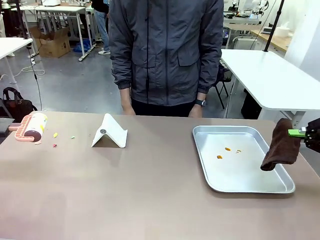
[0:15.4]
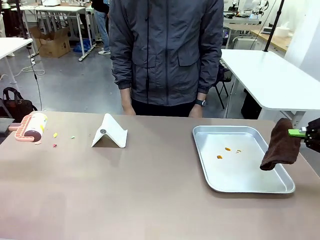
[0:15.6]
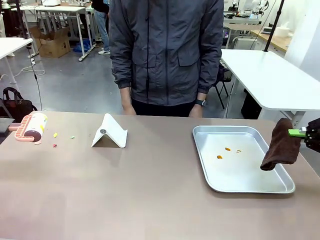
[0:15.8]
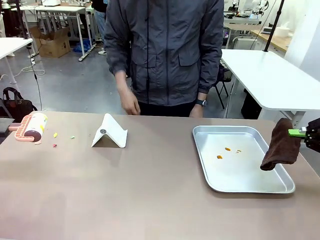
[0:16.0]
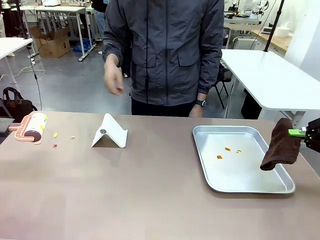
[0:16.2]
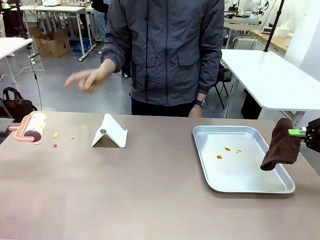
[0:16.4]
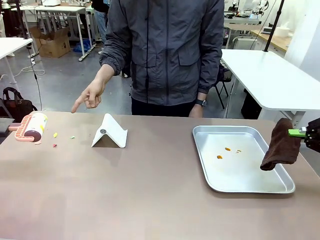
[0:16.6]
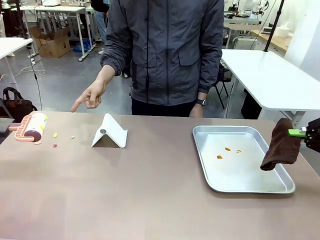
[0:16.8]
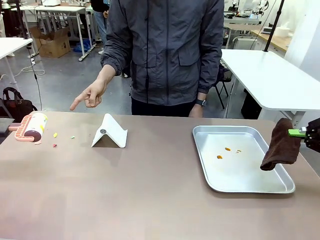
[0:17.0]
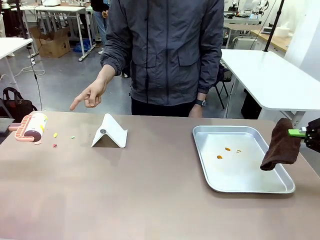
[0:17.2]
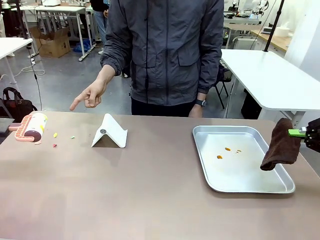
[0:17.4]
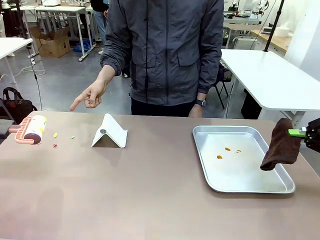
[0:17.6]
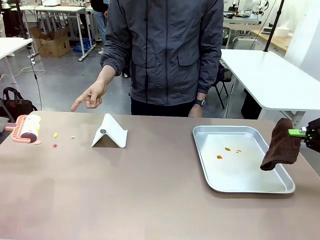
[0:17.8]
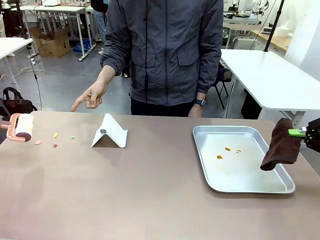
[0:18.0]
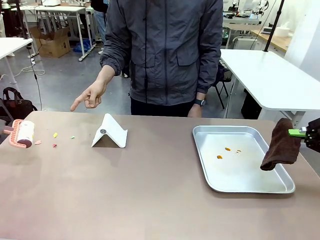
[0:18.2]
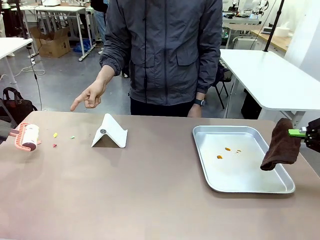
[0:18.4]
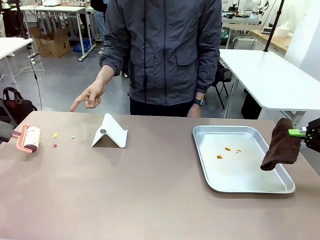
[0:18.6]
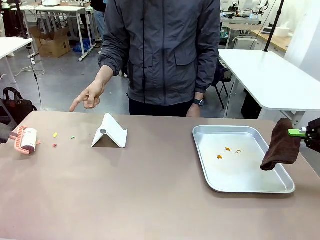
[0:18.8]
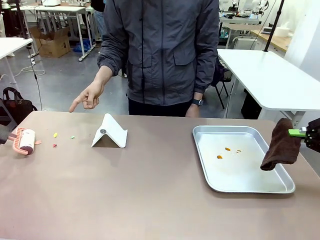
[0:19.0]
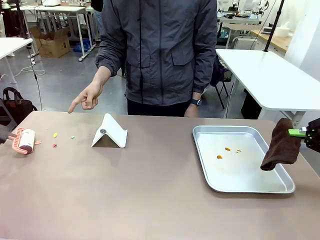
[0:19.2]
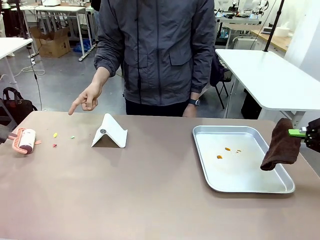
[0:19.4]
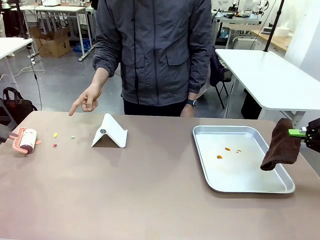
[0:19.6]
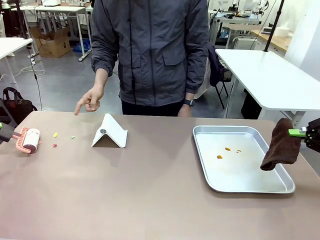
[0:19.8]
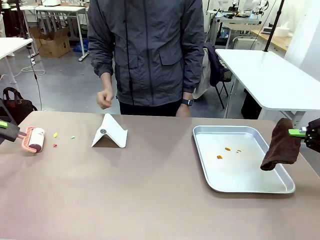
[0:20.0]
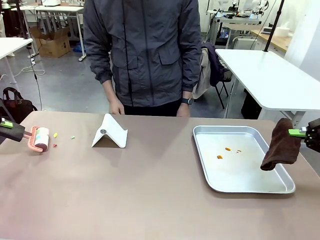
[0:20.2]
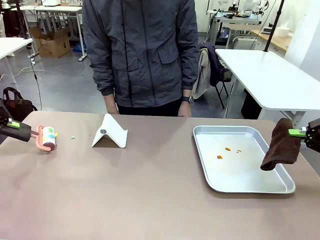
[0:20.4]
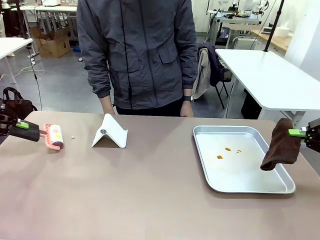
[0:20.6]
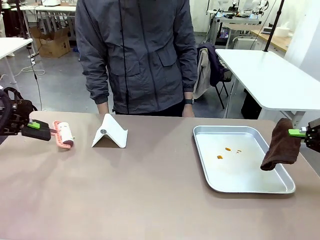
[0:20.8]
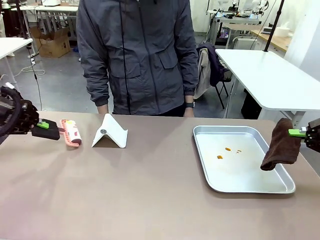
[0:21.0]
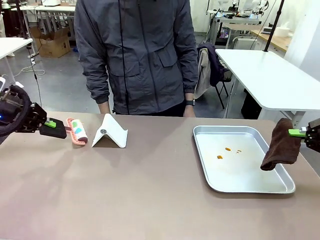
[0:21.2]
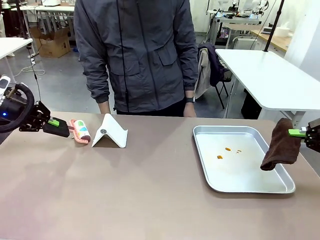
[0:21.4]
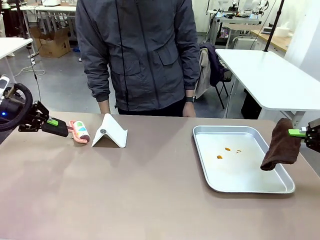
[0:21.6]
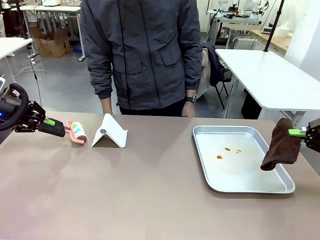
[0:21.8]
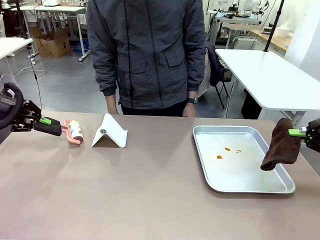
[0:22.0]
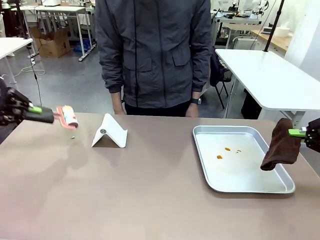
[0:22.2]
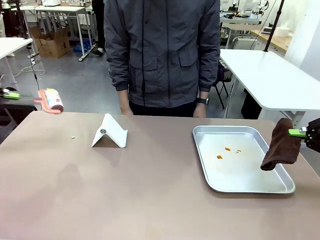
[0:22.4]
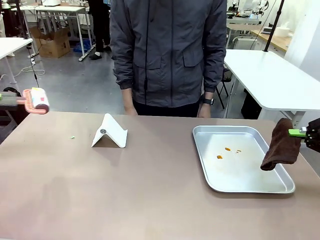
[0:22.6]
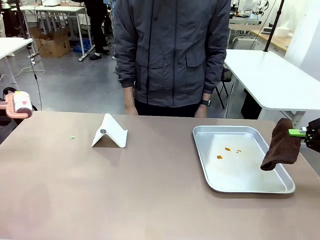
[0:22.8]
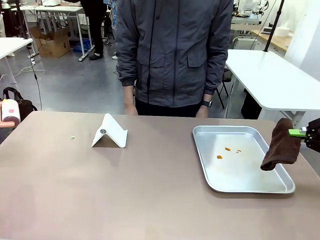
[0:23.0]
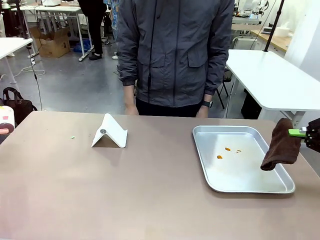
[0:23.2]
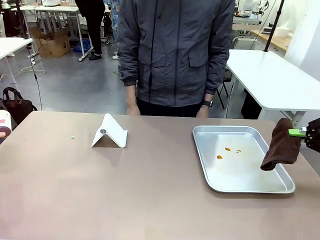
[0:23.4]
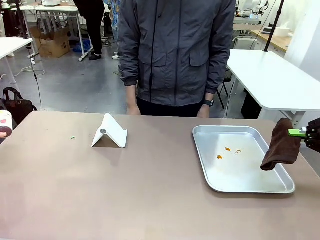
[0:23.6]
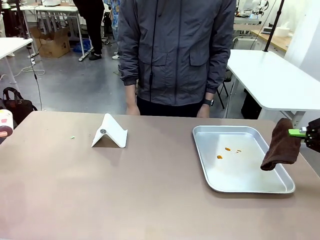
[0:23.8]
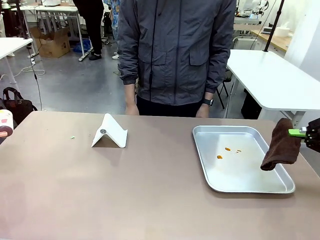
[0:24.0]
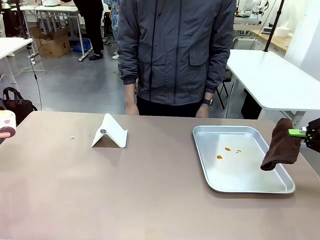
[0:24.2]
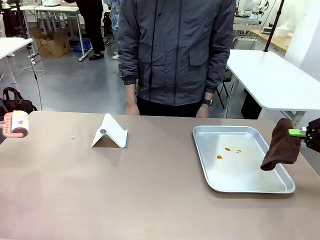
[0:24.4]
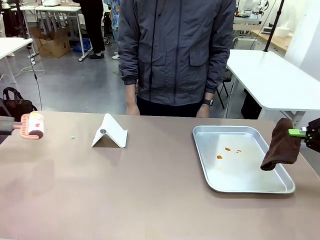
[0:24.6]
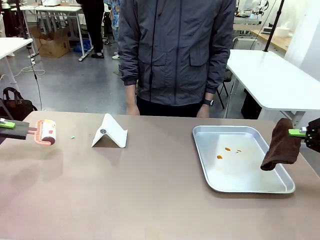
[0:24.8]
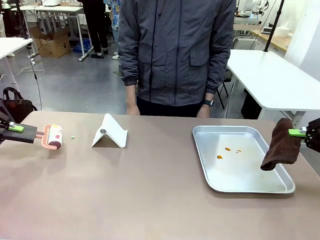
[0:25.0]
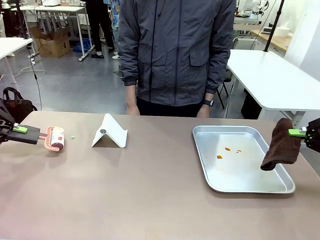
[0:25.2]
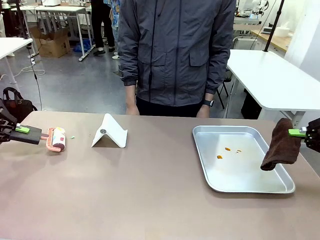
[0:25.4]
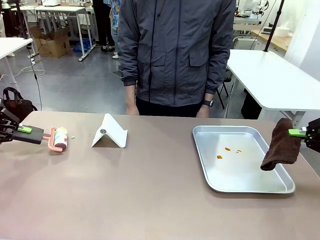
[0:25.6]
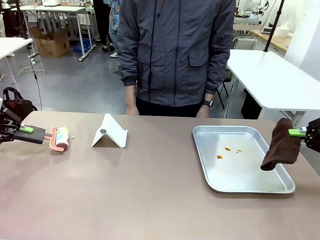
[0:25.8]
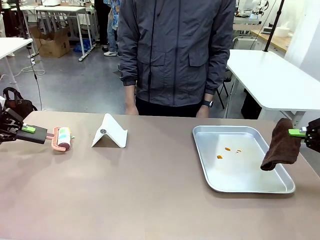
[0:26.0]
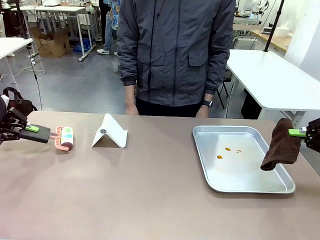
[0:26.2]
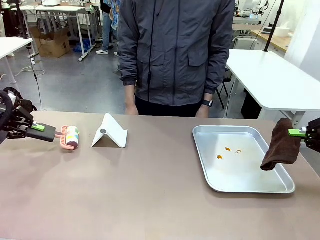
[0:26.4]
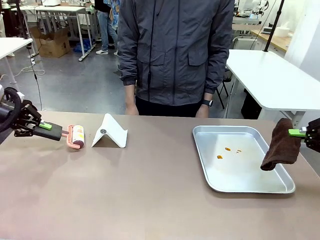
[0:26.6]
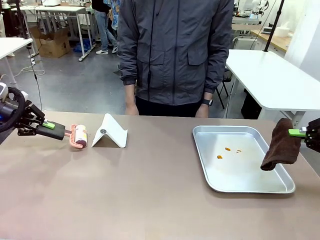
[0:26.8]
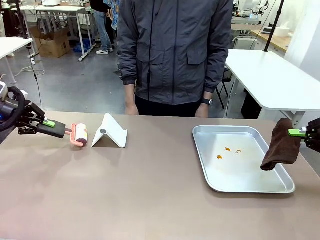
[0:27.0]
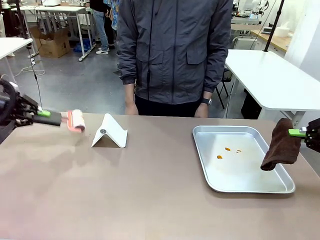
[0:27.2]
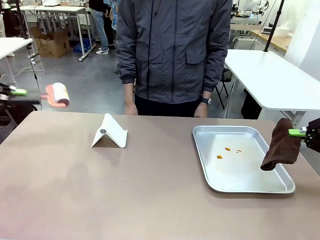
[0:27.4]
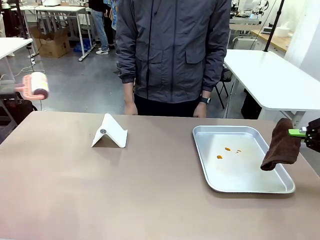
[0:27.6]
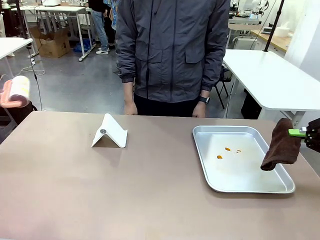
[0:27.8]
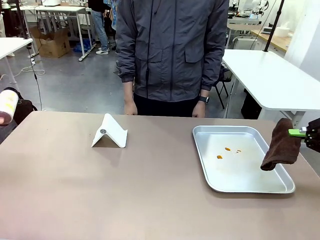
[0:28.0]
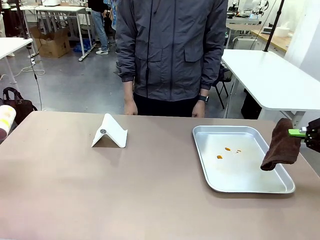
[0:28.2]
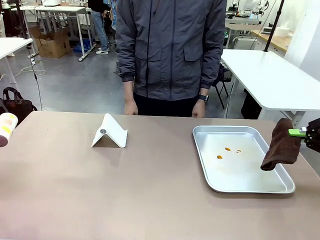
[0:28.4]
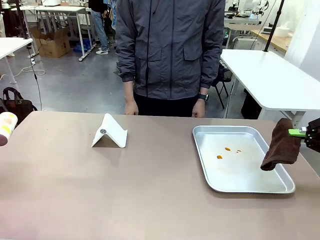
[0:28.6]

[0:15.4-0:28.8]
Task: Clean the surface of the table.
Robot: If a person points to the right, clean the right side of the table with your right hand, and if they point to the left, clean the left side with your left hand.

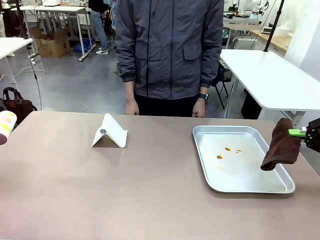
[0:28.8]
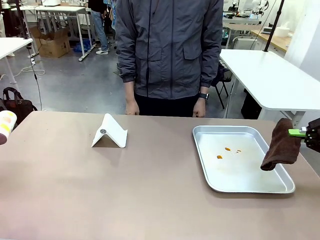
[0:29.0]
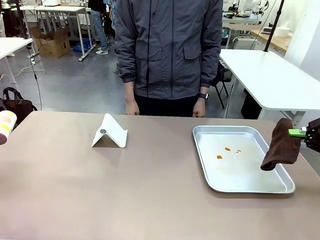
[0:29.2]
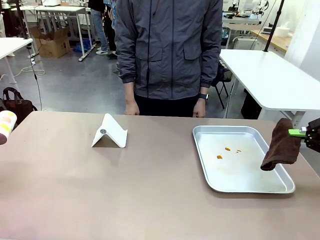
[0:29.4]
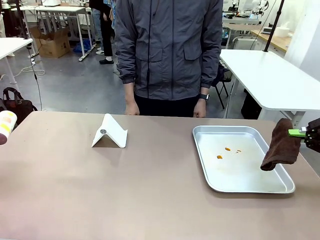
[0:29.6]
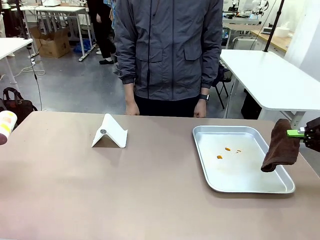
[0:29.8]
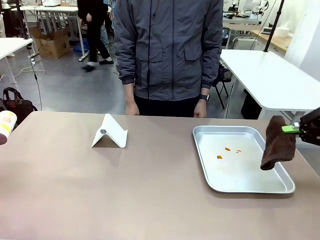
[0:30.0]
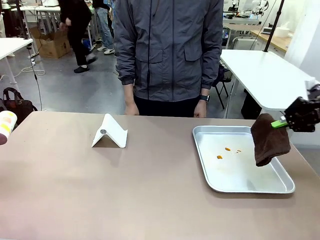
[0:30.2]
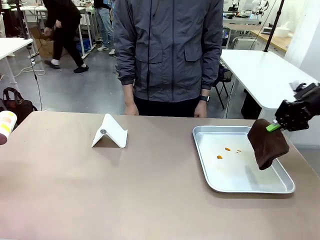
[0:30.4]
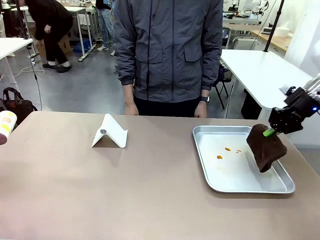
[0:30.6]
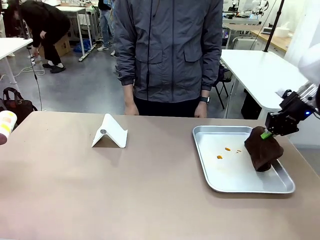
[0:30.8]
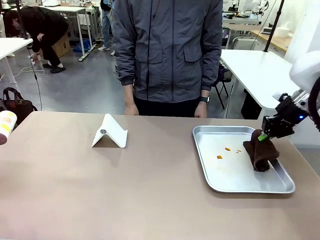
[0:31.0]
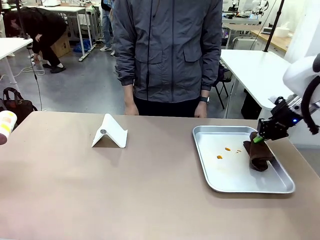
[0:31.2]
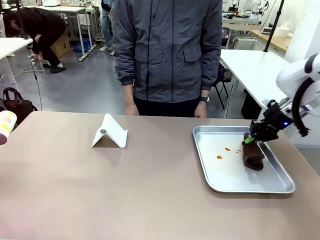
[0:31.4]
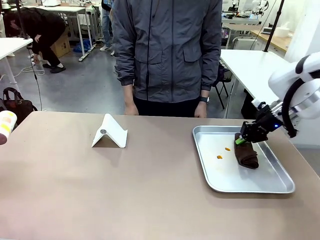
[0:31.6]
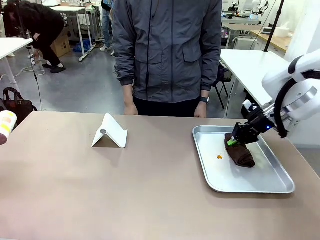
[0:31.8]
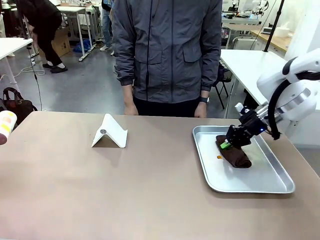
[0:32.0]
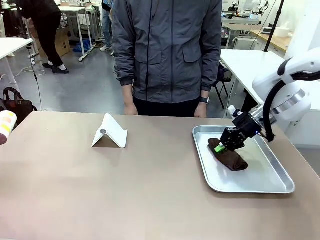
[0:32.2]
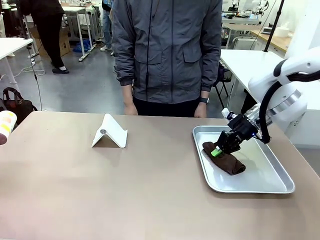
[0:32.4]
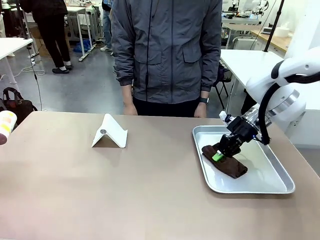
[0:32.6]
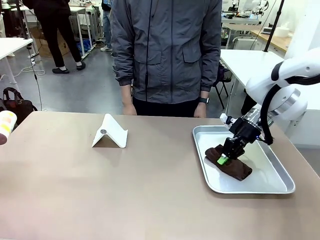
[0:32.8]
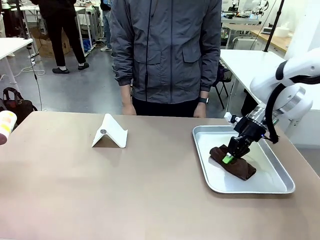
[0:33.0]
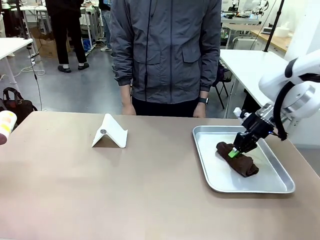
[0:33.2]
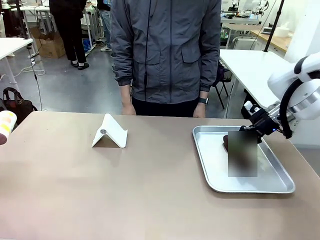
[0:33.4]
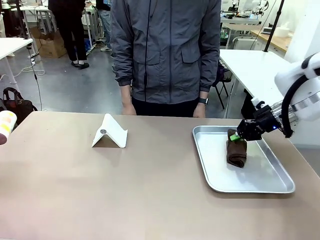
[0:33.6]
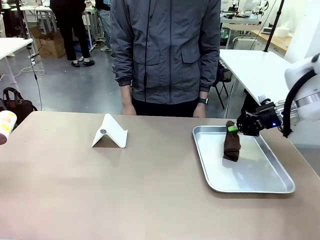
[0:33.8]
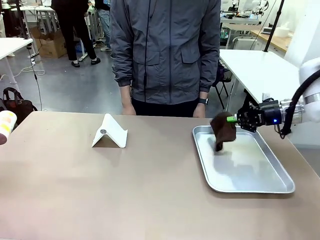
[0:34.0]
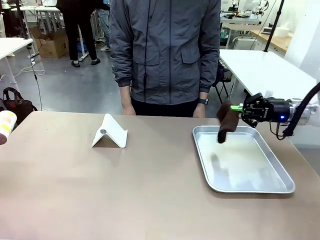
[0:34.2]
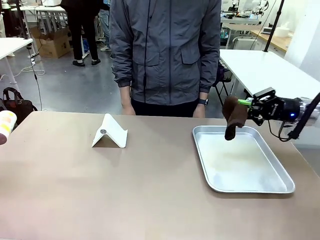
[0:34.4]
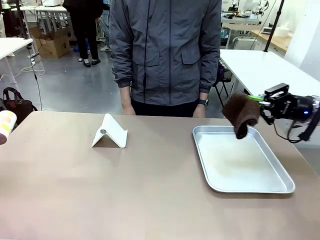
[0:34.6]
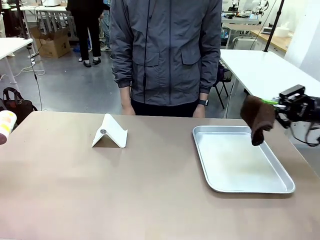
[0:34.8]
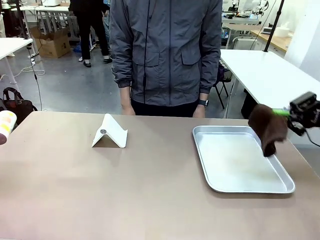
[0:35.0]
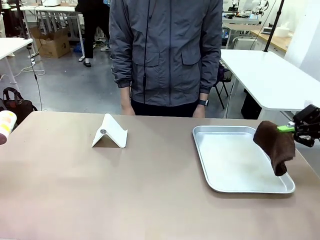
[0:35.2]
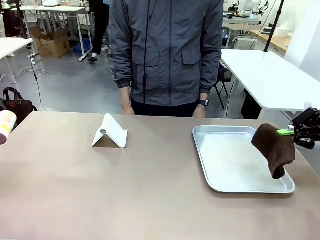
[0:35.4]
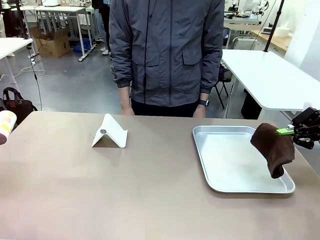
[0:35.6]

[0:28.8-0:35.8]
Robot: Clean the area not pointed to by the person.
